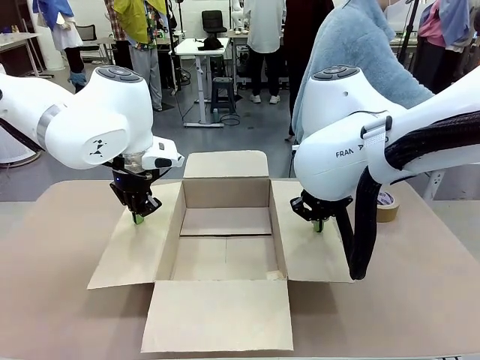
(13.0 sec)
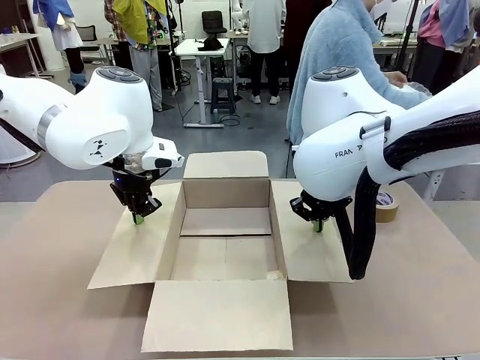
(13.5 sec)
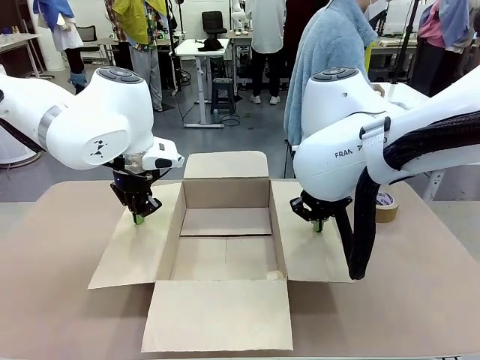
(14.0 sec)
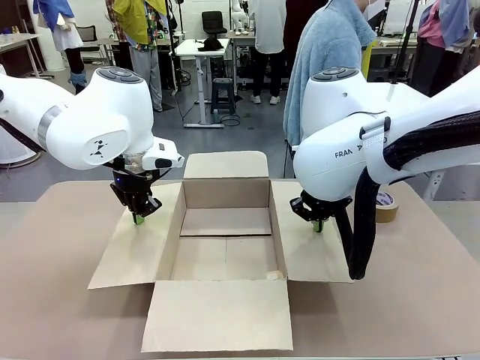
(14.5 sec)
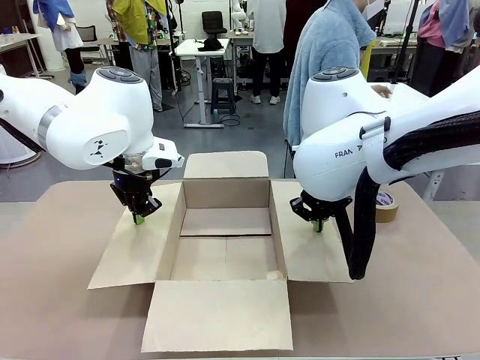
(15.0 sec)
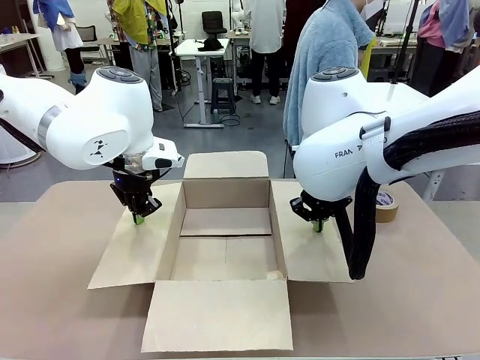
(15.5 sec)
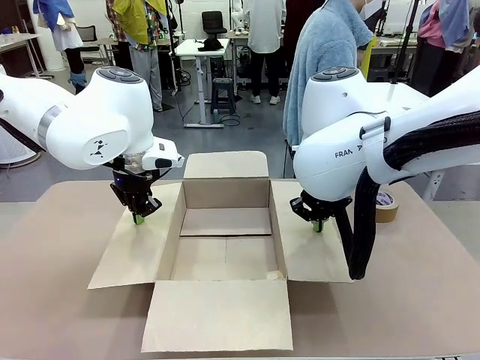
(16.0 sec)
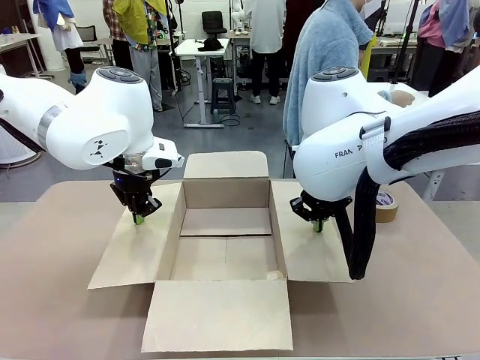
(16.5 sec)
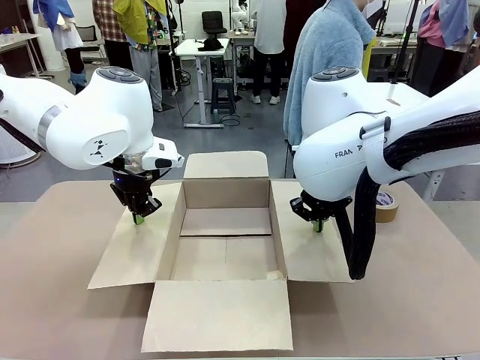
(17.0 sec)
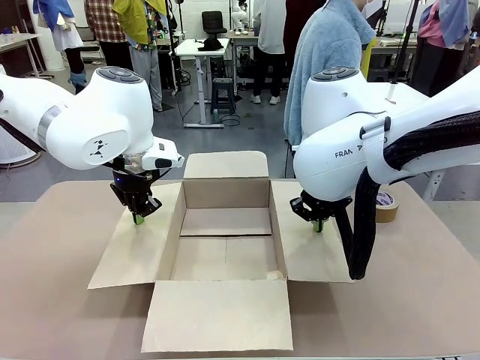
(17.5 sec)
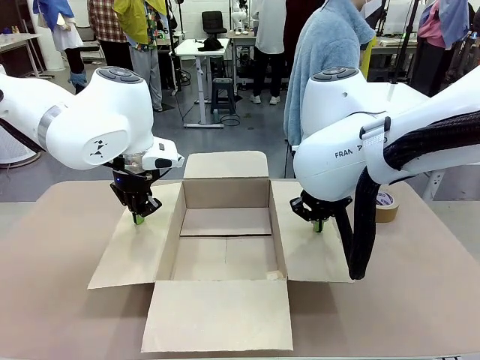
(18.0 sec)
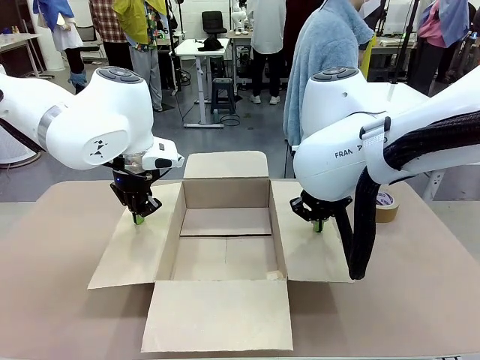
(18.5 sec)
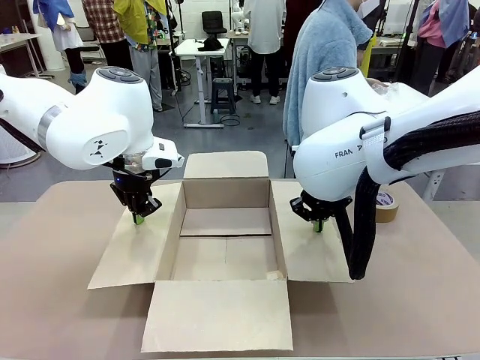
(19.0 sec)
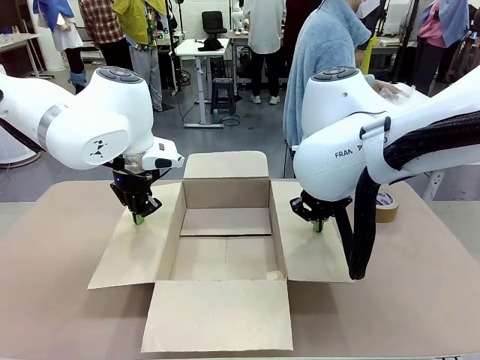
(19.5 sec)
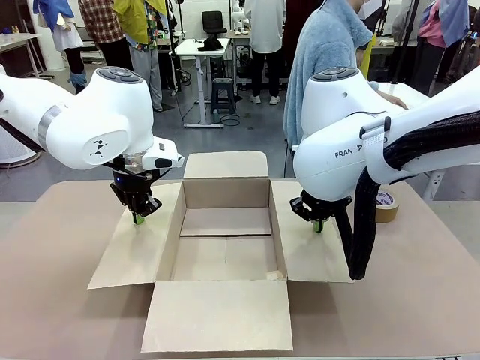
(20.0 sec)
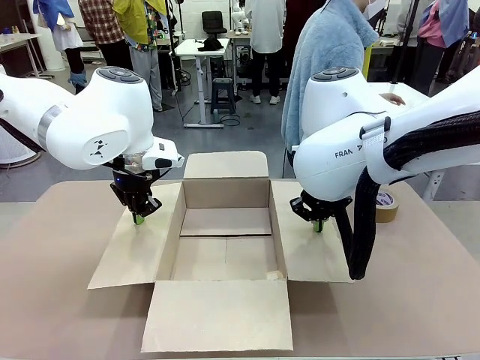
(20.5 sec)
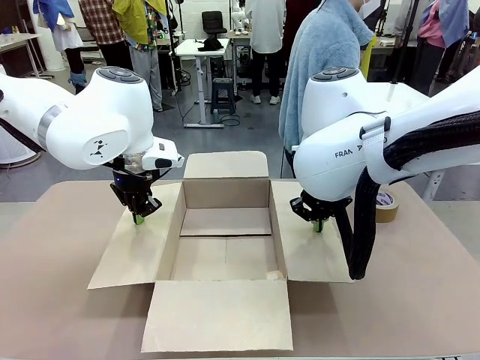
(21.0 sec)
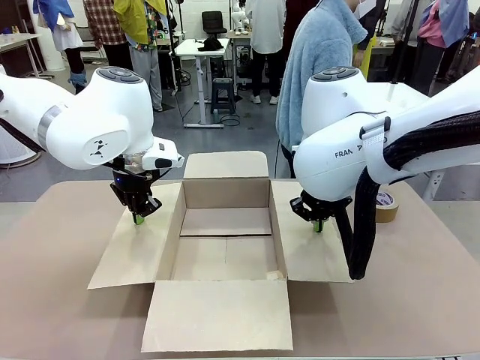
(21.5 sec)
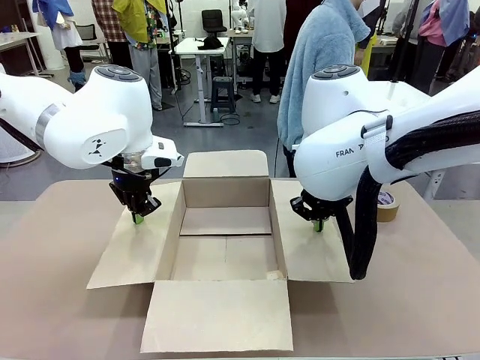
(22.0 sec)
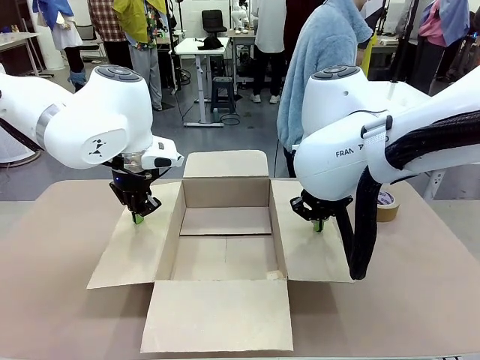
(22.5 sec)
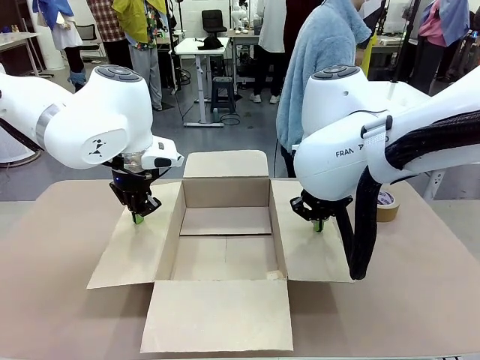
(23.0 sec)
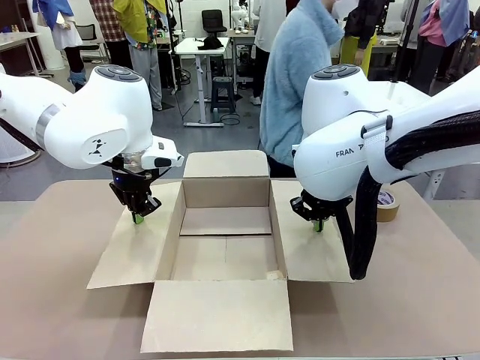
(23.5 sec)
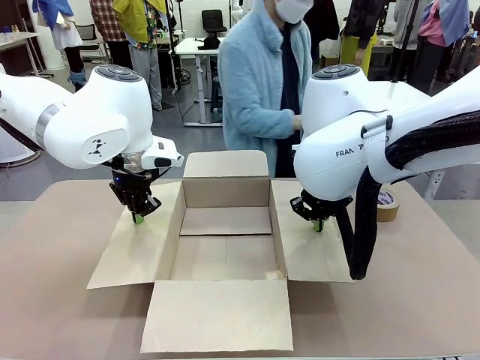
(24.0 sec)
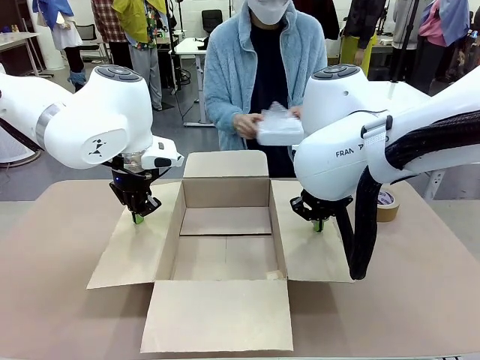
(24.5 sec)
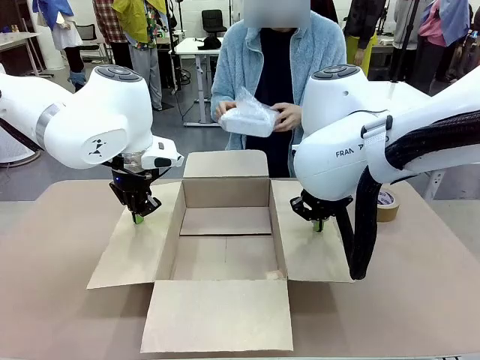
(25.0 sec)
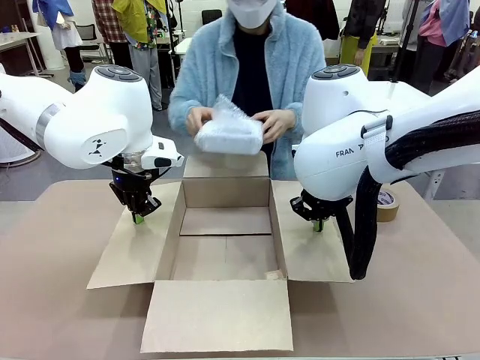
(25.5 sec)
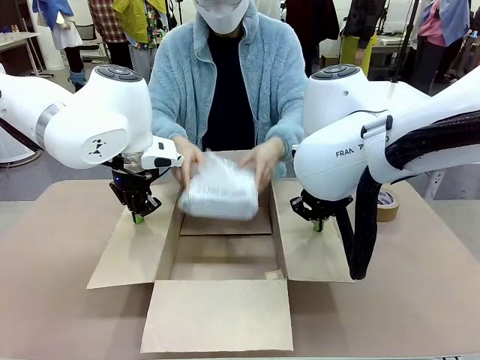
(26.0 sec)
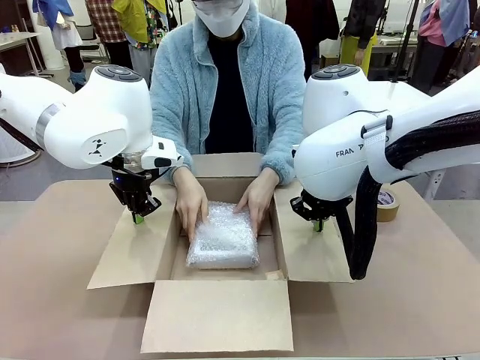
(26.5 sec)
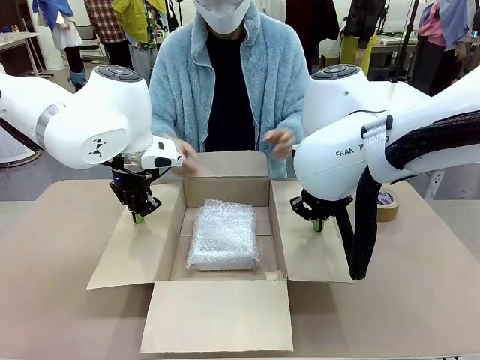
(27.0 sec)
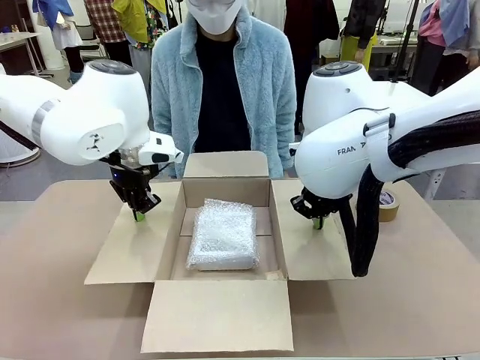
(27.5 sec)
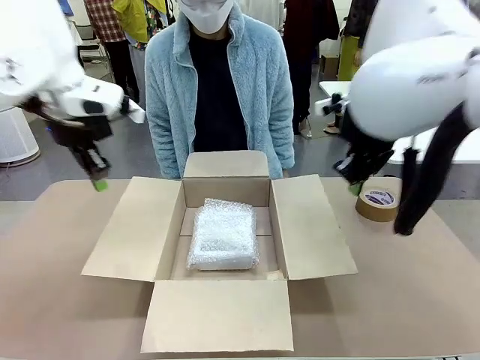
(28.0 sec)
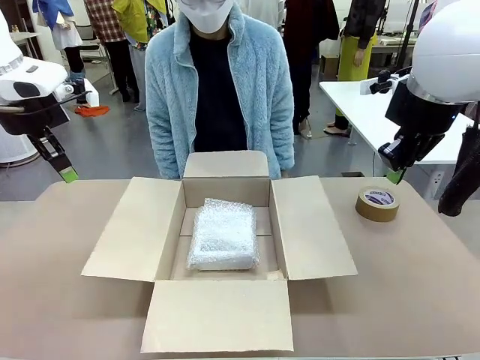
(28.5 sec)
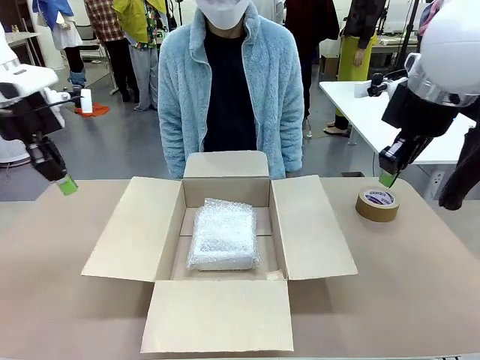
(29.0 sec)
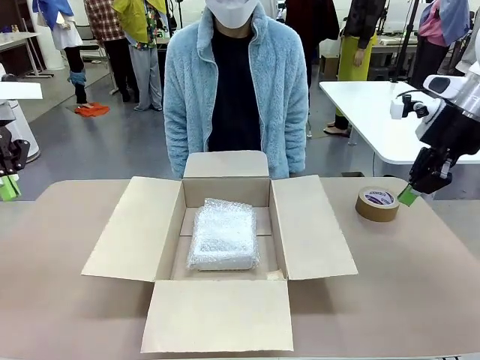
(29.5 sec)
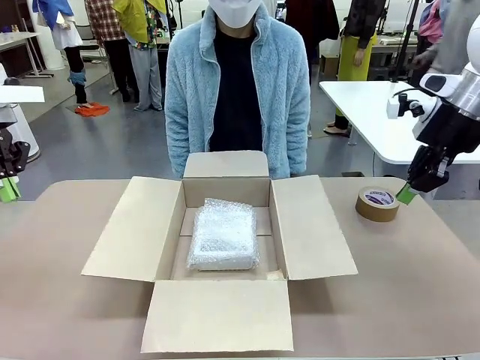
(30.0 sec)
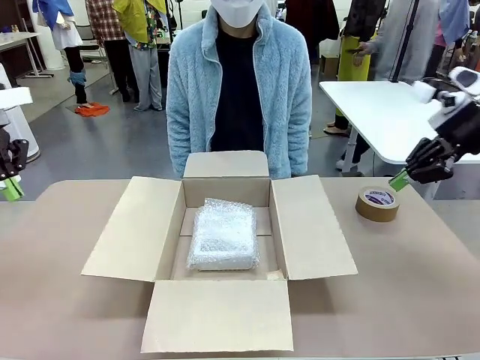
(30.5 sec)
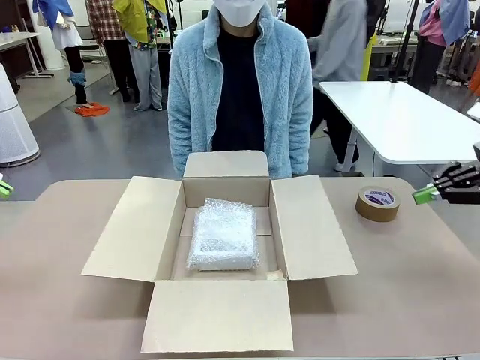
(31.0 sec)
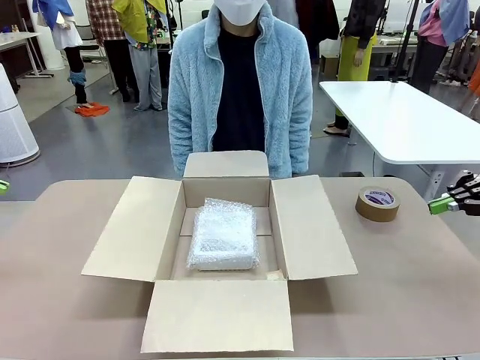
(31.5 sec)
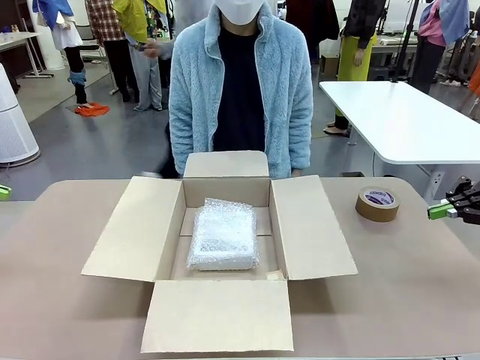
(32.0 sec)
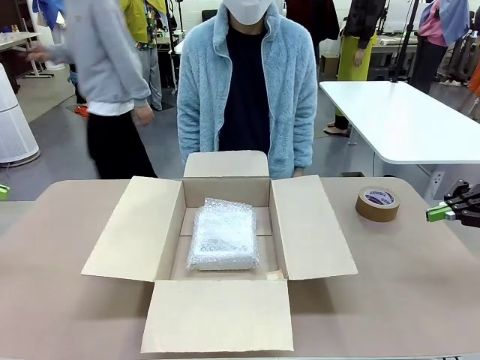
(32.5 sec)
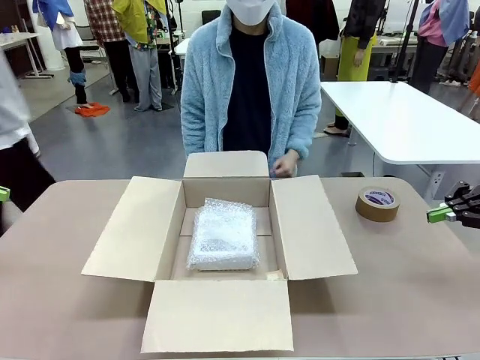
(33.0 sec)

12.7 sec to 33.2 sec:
Task: Wrap the clocks to prevent damage.
Robot: Once the human has placed the objects inside and stepped back, release both hands from the side flaps of the Package Box.
Person: Place the wrapped Digital clocks inside the Package Box. Hold the top and bottom flaps of the Package Box closed with your left (or right) hand.

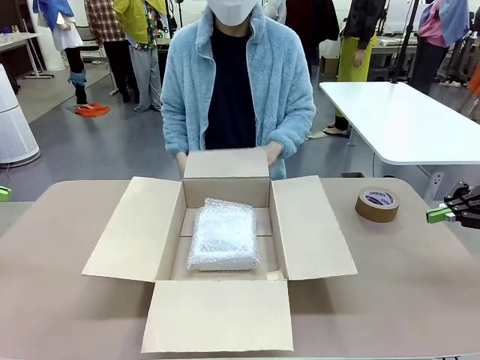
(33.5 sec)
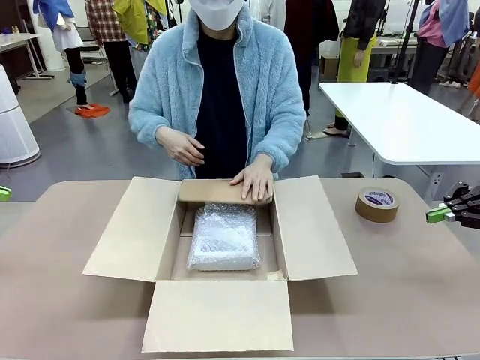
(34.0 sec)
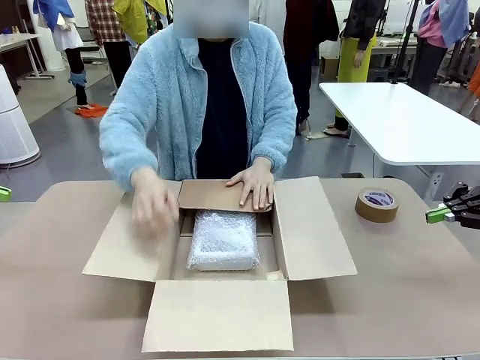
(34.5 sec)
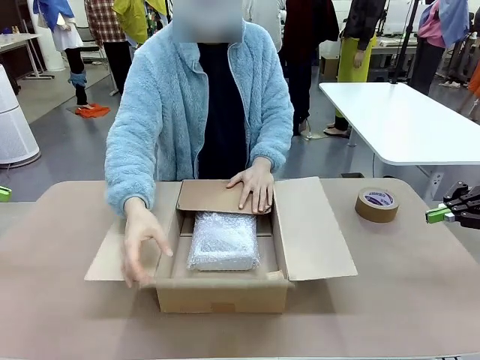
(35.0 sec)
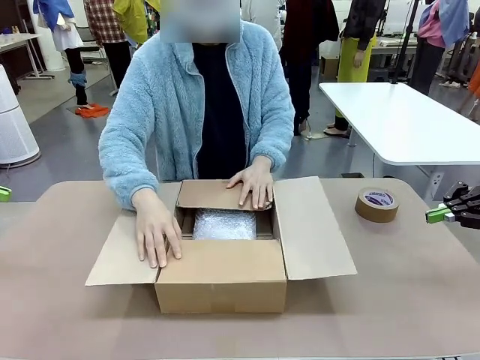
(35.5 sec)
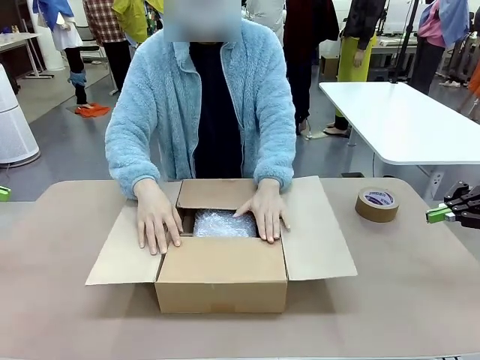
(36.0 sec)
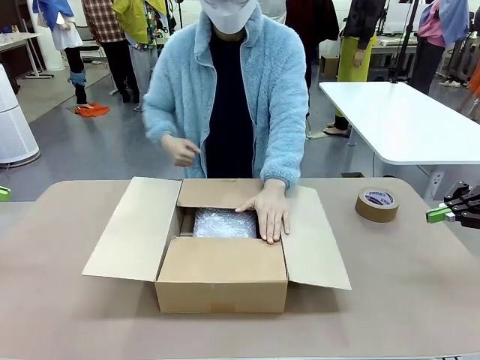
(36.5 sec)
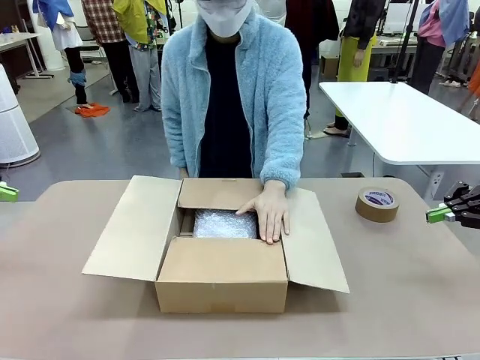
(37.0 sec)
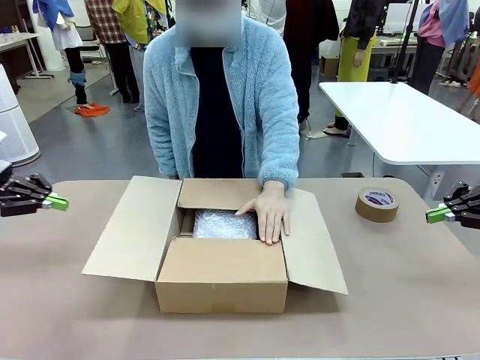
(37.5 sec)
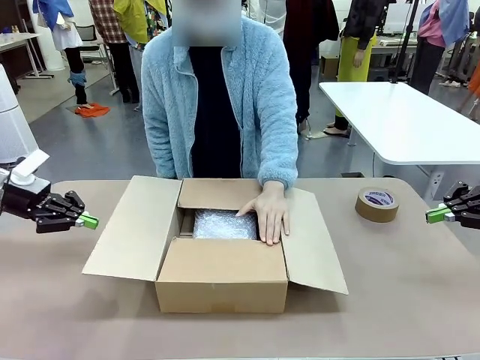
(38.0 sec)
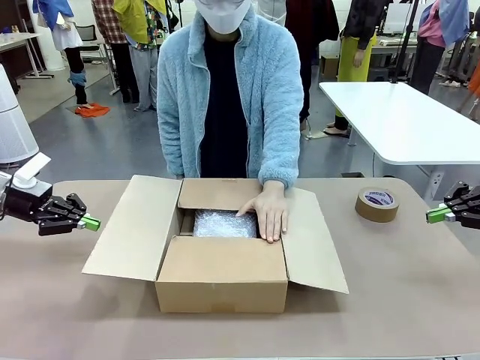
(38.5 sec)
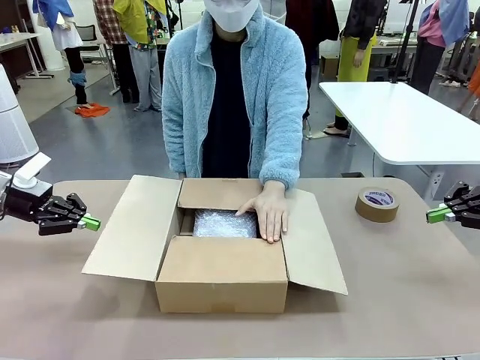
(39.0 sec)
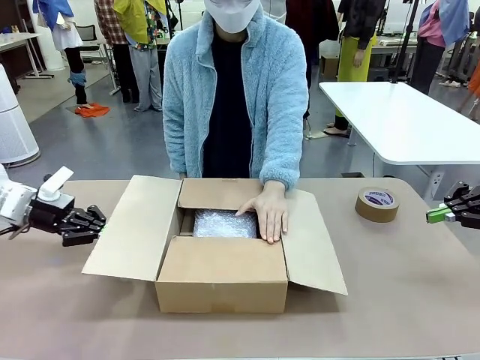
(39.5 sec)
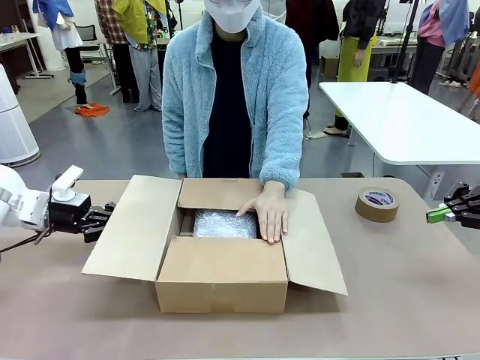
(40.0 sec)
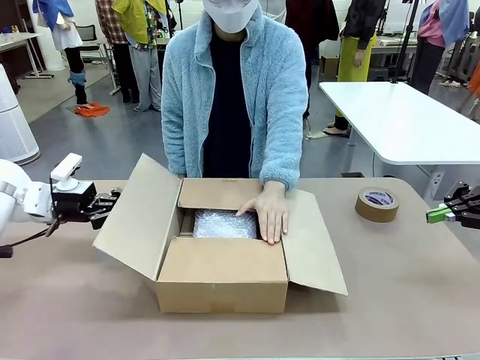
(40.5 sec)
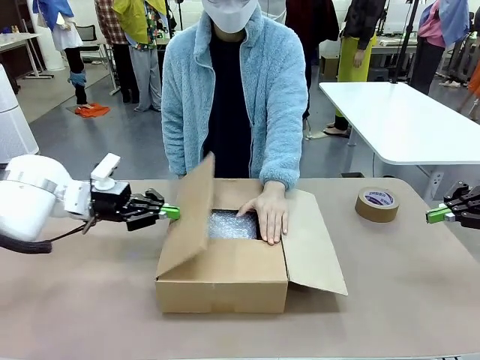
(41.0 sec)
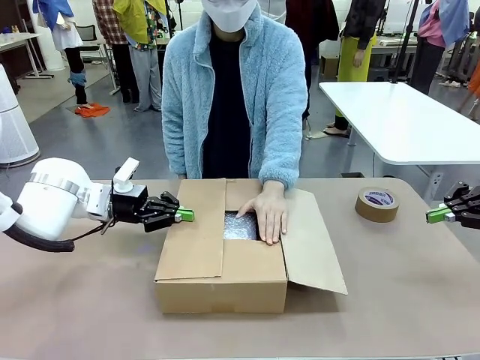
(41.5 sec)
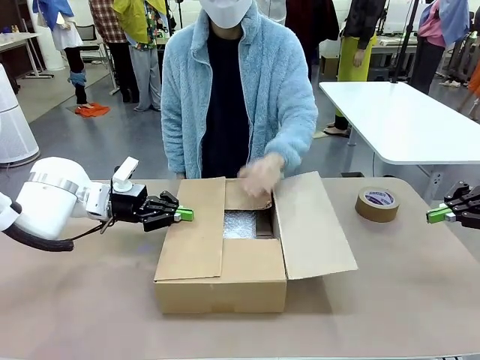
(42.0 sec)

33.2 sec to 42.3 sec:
Robot: Push the right (or left) flap of the Package Box to close it.
Person: Once the robot closes the right flap of the Package Box , release your left hand from the box.
